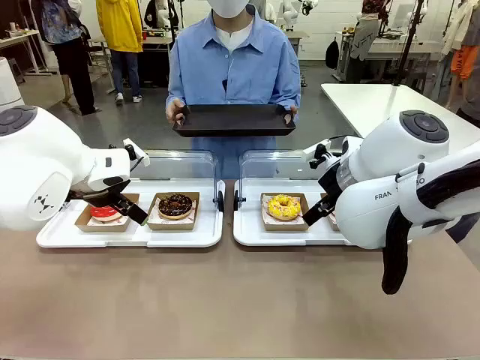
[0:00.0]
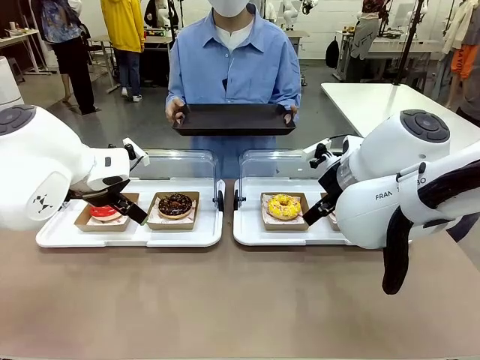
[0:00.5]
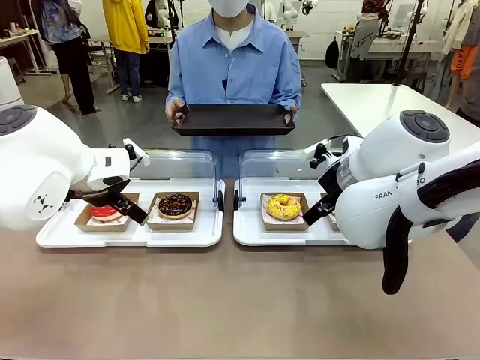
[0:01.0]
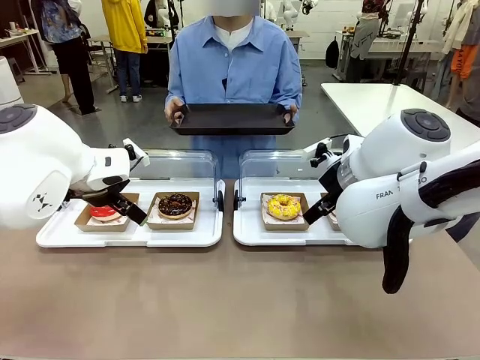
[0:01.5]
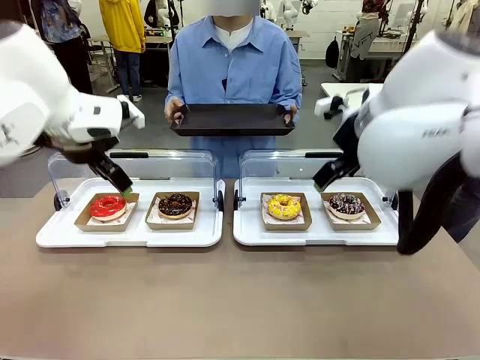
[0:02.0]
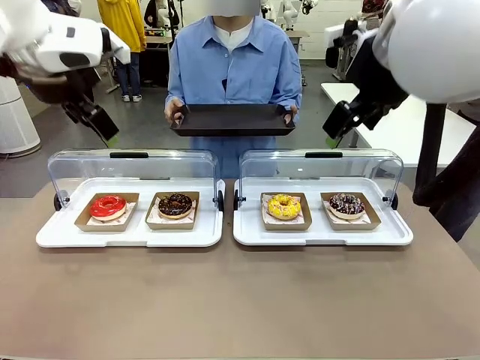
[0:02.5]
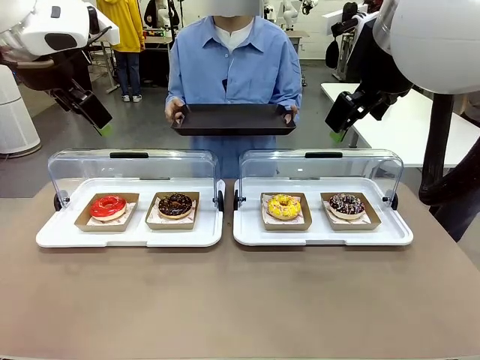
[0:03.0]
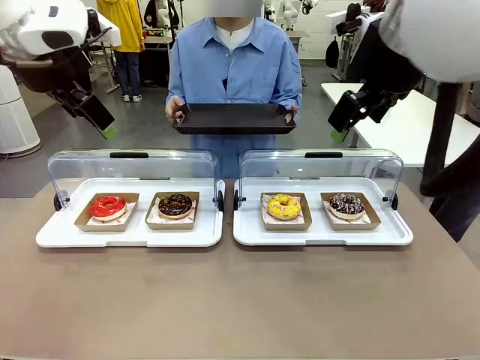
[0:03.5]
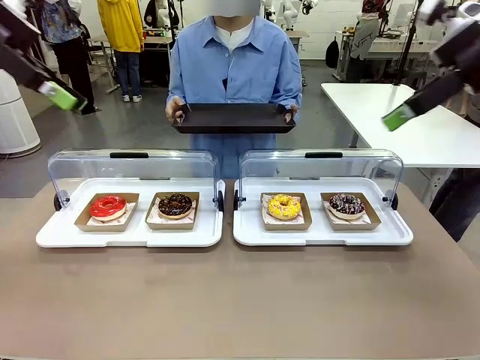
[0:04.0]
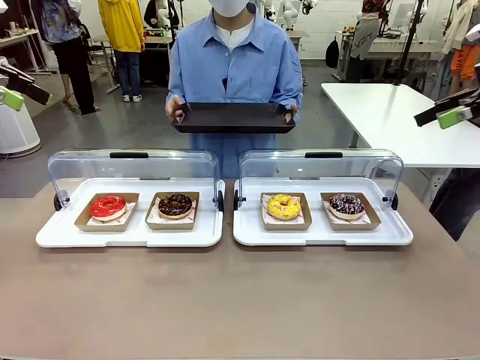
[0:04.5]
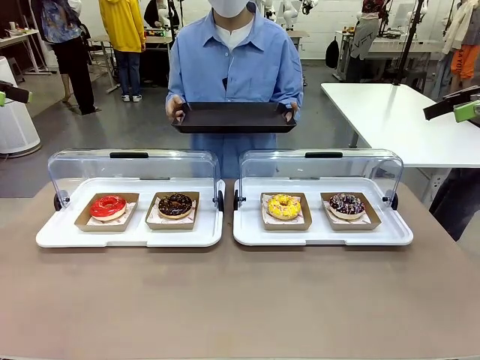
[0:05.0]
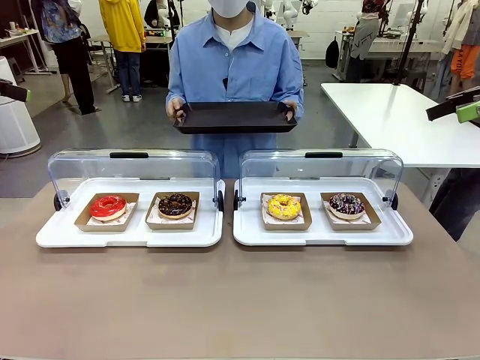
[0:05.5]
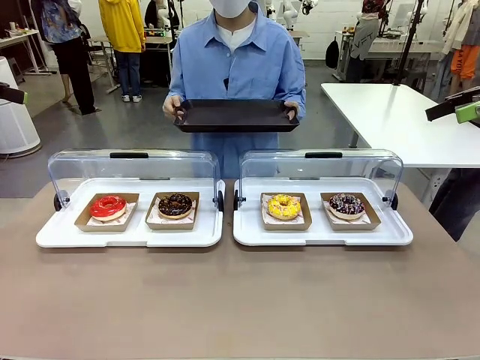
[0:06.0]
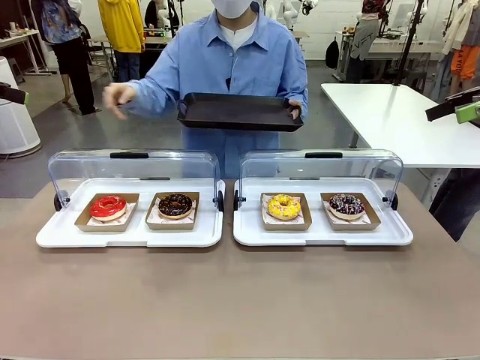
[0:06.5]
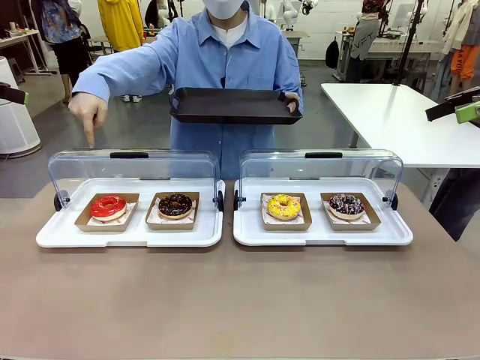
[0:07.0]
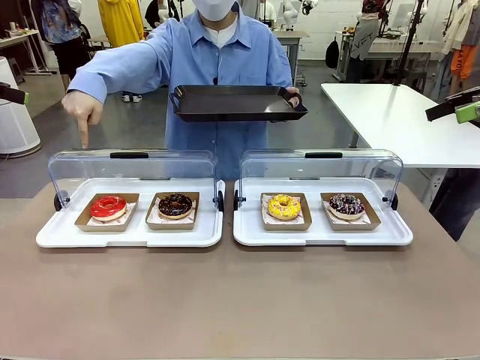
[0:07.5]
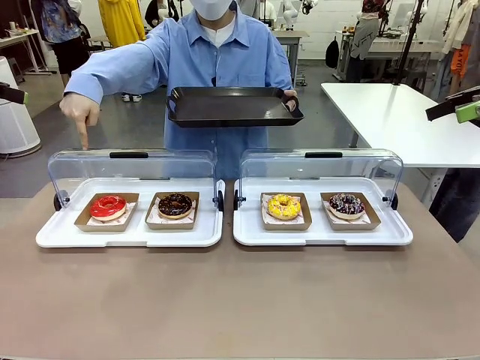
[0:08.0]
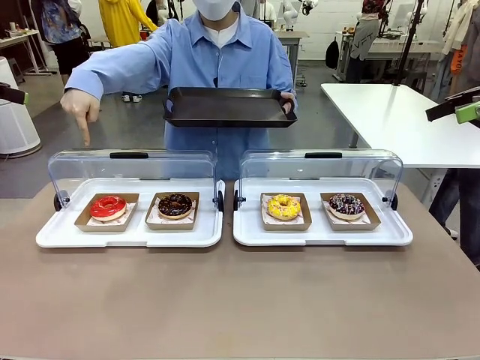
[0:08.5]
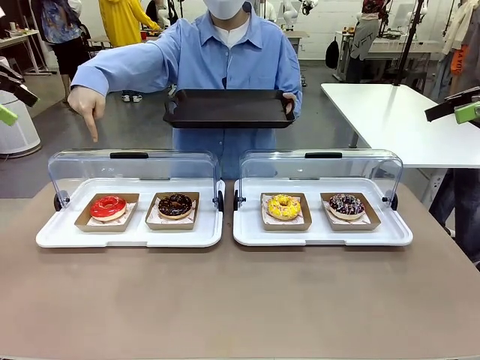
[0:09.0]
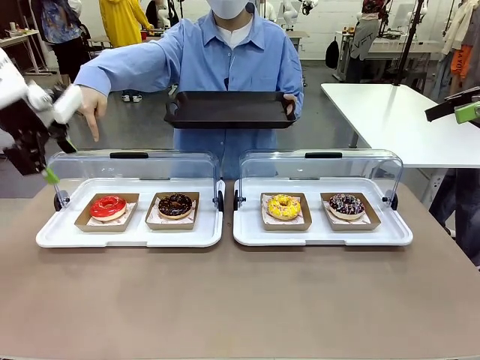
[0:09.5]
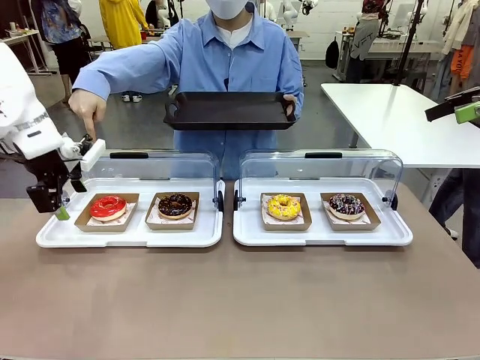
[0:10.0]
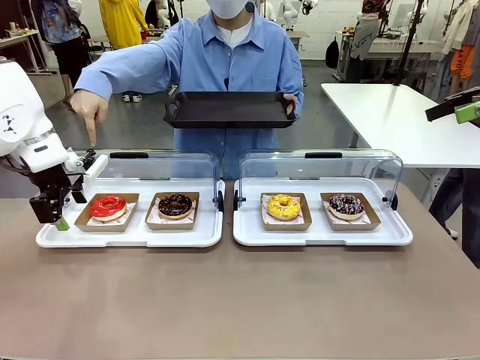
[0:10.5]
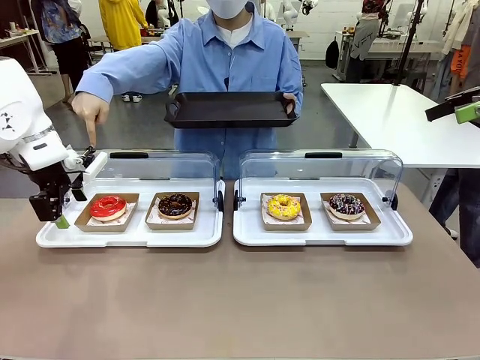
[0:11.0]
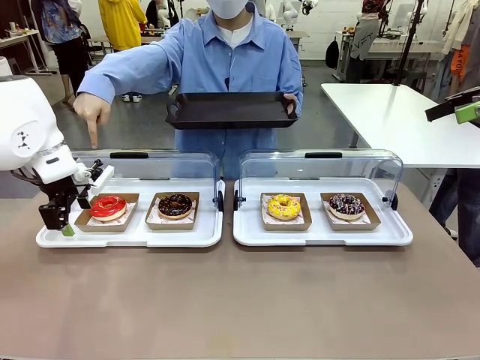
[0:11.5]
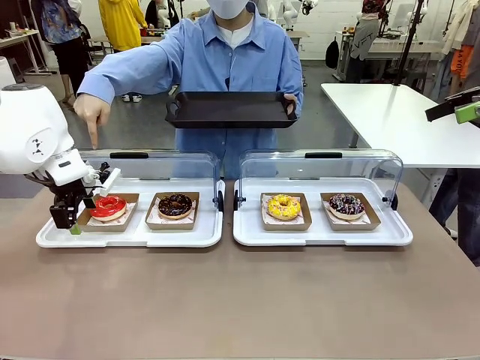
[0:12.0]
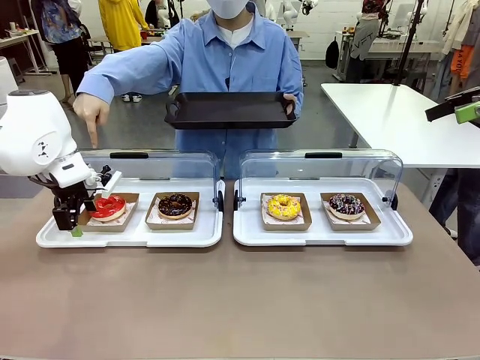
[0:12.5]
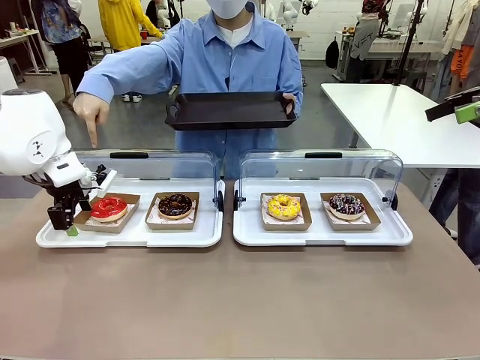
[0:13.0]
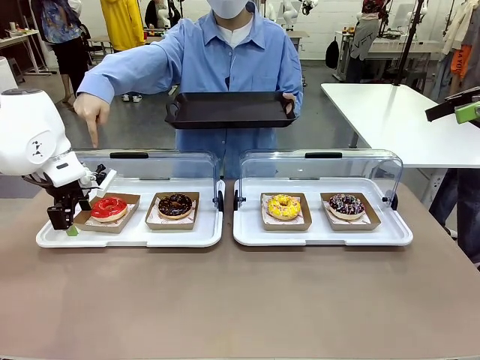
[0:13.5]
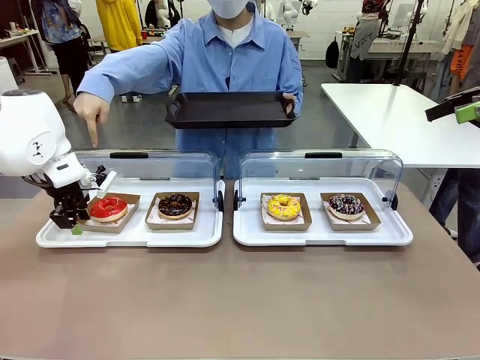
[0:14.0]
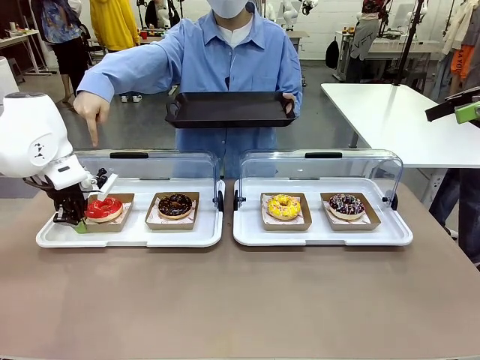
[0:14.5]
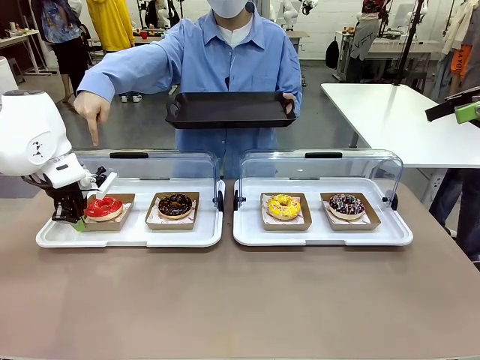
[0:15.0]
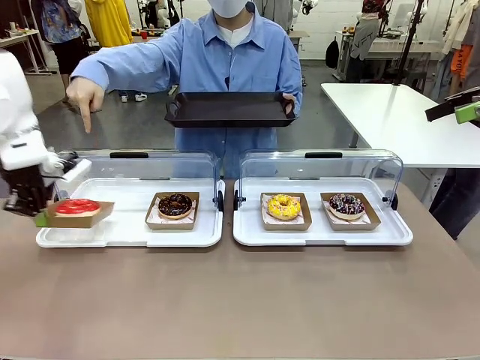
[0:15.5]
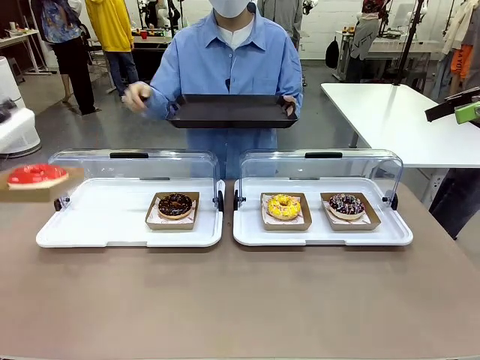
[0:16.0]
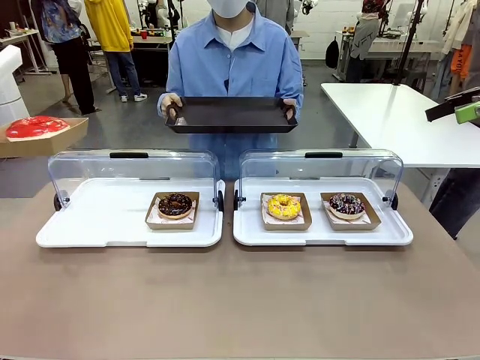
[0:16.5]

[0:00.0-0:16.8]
Task: Provide the desired donut to the person.
Robot: Pick up and lift the Paper togo box containing the Donut pointed at by the person.
Person: Point to one donut. Lift the tray onto the Roll-Top Bakery Case.

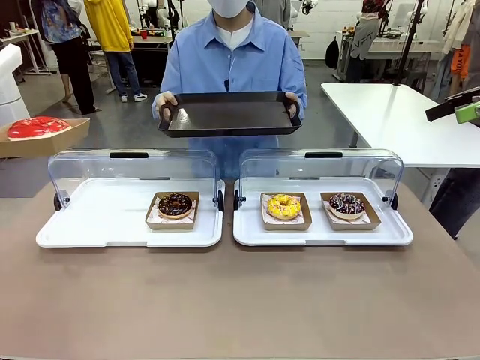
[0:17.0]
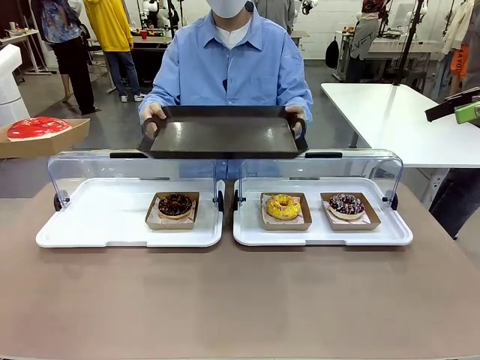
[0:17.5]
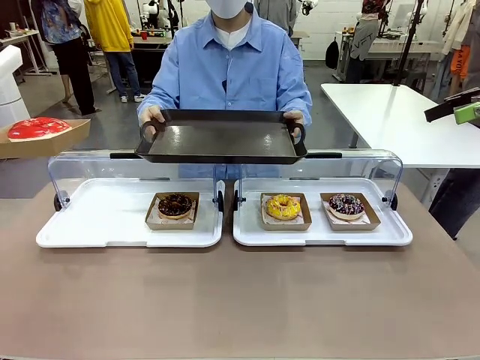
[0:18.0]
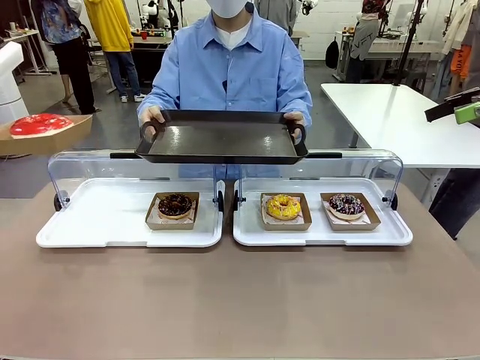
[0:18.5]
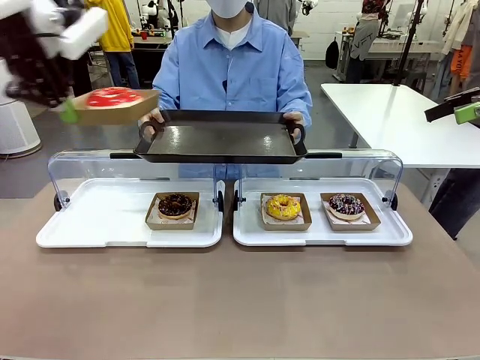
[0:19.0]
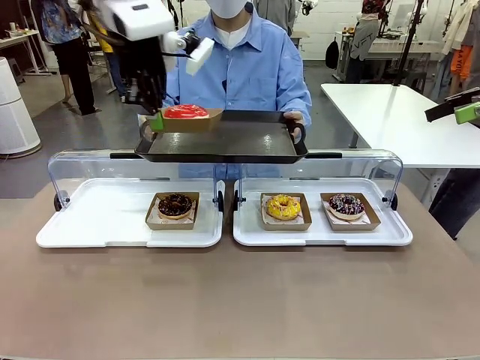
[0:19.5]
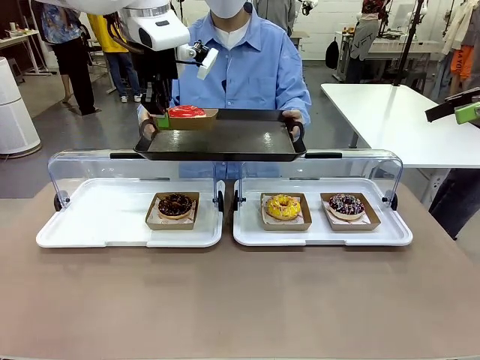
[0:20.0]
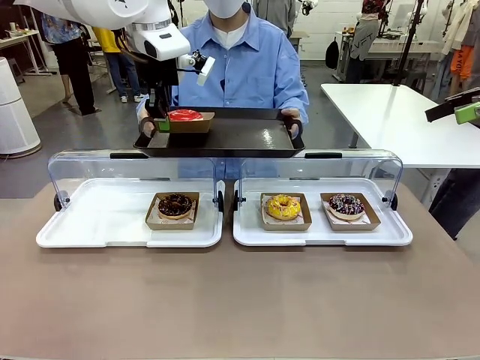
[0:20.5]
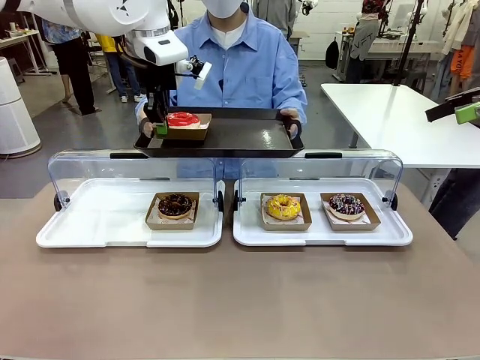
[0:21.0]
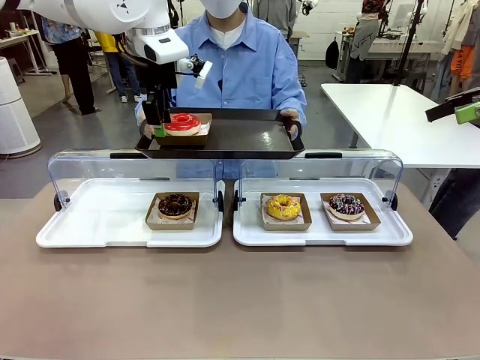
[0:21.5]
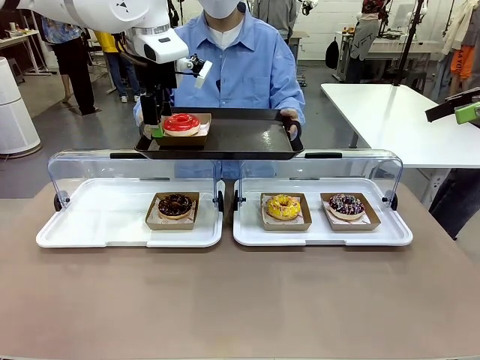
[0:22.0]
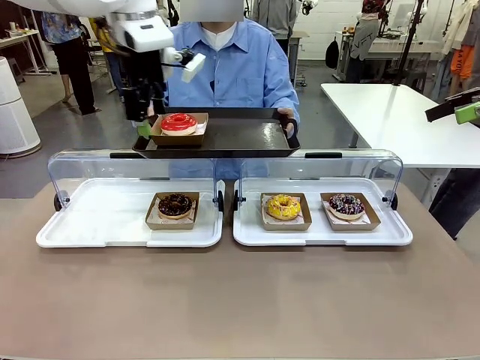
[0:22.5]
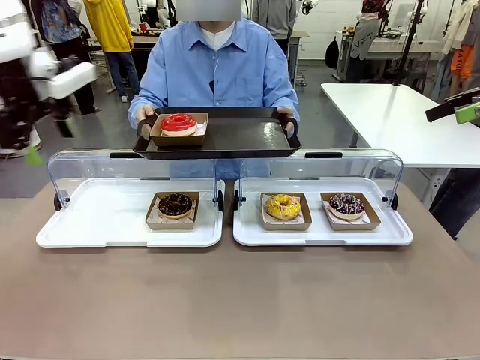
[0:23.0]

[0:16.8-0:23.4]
Robot: Place the picked Paper togo box onto the Handle tray extended by the person.
